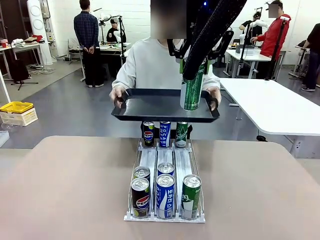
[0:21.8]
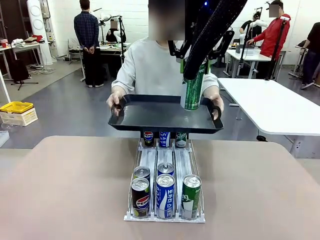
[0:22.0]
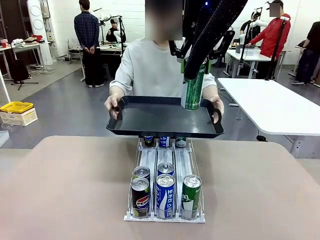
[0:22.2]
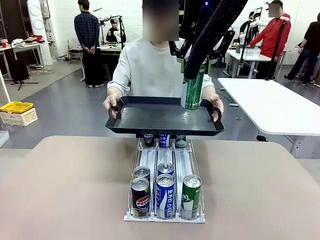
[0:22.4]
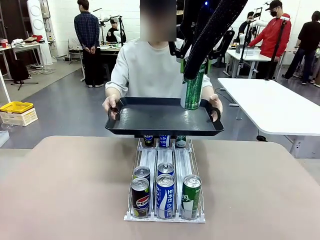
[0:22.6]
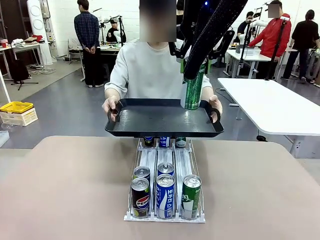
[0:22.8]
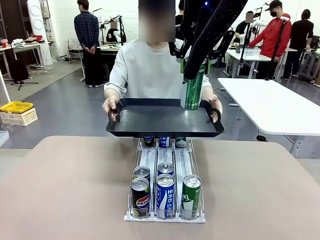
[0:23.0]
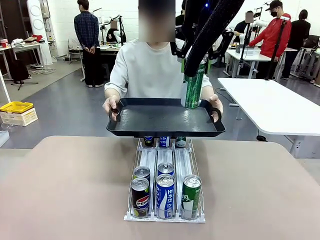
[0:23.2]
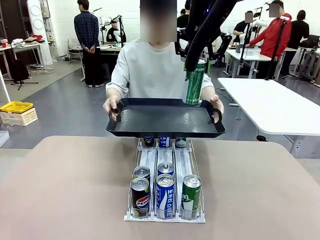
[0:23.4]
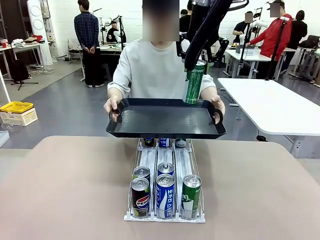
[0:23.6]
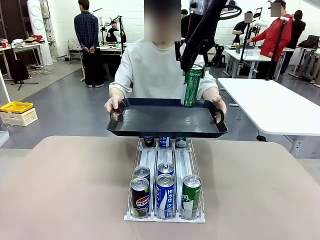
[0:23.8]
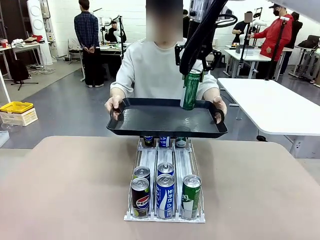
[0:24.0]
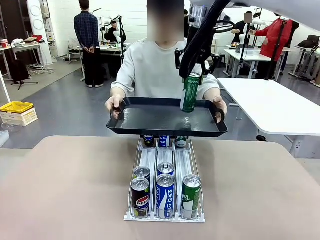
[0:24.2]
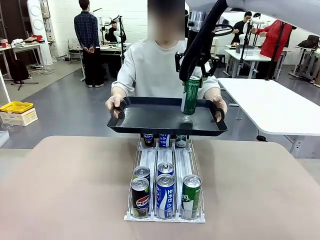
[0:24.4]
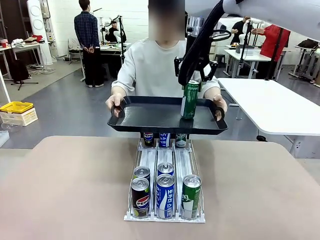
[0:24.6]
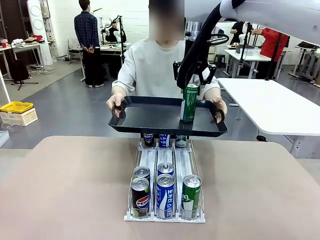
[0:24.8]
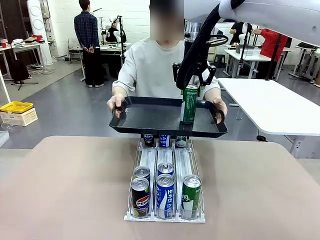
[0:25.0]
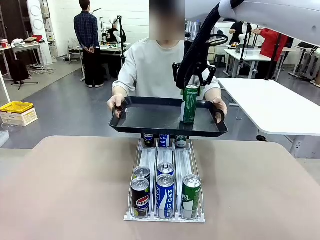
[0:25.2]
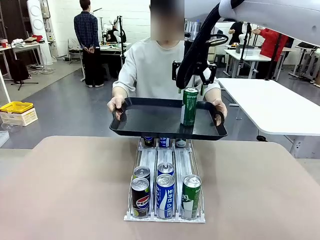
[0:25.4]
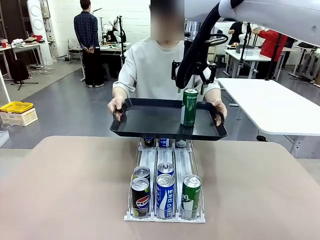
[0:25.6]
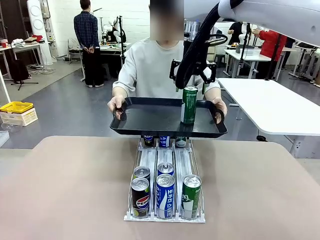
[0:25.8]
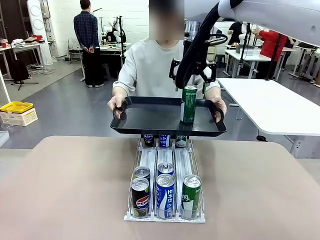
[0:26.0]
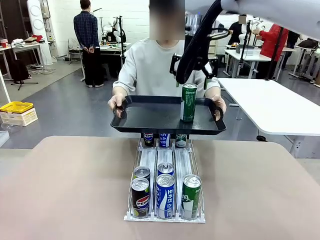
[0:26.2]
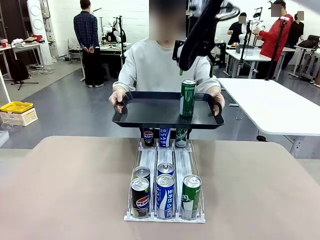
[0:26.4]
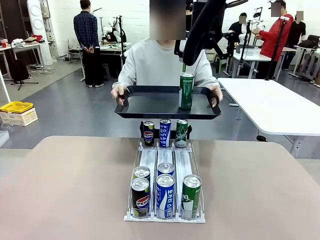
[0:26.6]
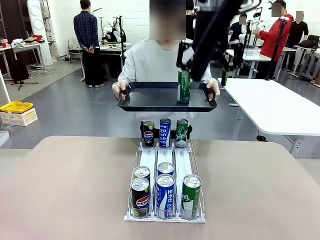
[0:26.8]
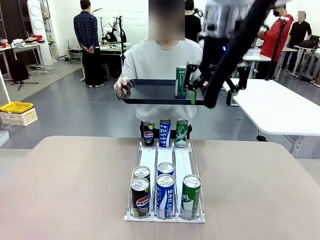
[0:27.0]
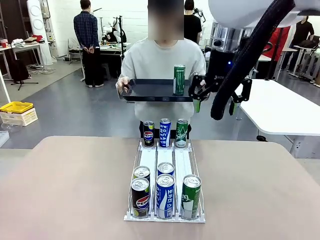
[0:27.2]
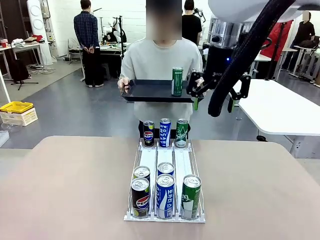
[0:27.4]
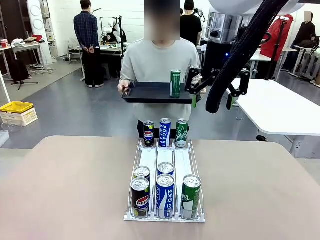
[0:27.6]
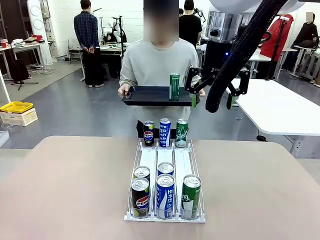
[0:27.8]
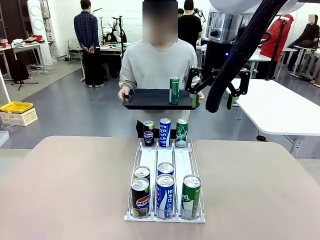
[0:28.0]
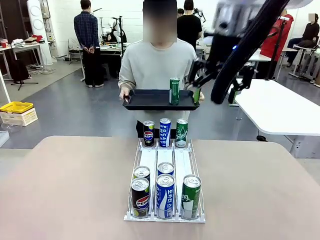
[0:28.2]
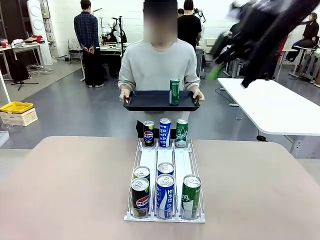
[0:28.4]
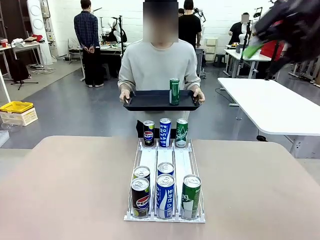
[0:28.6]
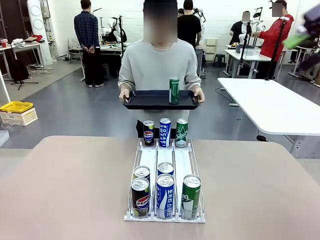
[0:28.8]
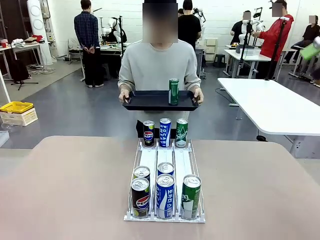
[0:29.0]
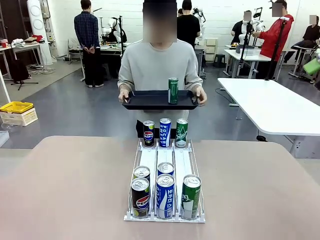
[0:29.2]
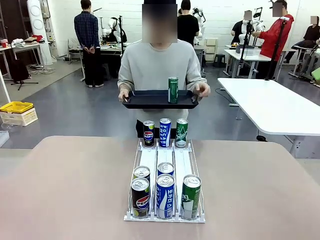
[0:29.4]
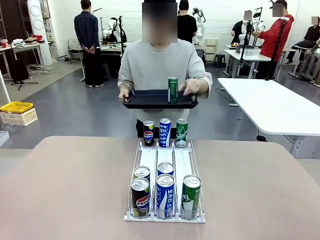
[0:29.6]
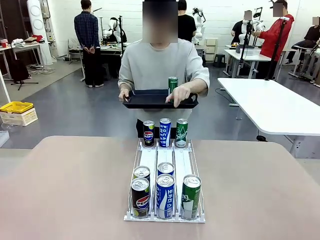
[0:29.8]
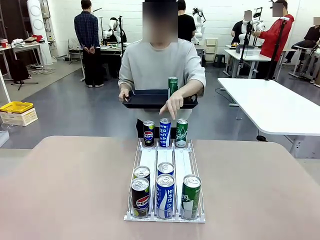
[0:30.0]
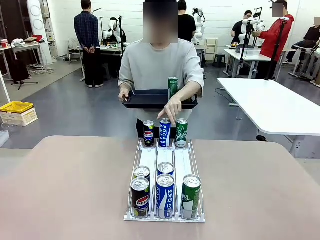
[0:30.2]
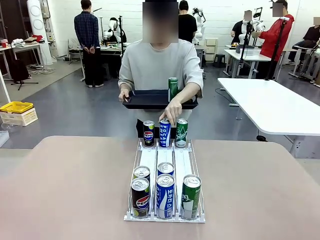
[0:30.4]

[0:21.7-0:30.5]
Task: Retrieve and hand over the desired beverage to the person.
Robot: Place the picked can on the Handle tray extended by the person.
Person: Pull the tray back, then pick up another can from the bottom area of the table and puts it back in its original place.

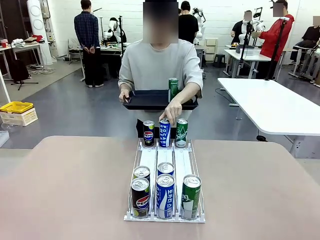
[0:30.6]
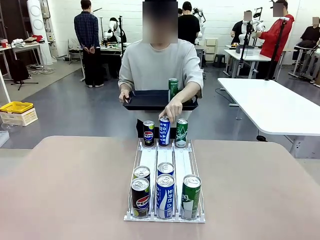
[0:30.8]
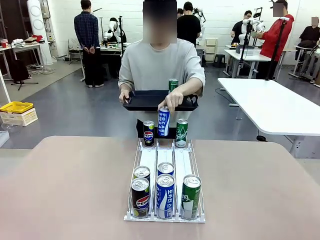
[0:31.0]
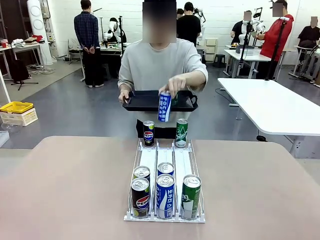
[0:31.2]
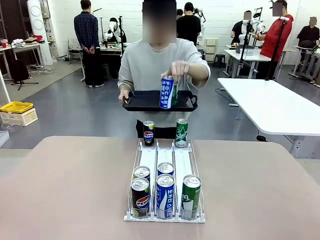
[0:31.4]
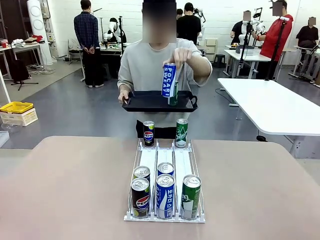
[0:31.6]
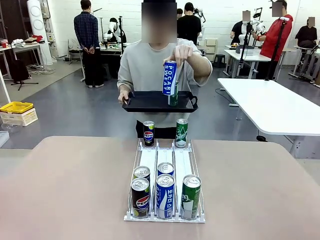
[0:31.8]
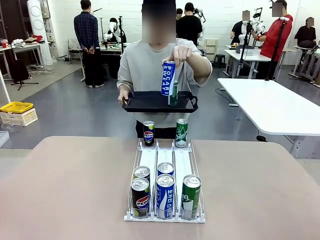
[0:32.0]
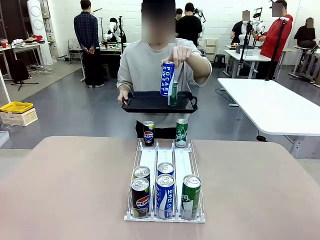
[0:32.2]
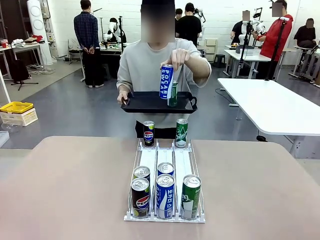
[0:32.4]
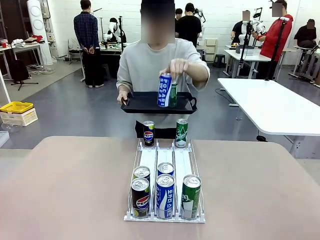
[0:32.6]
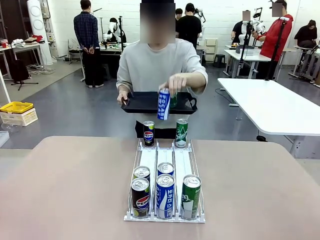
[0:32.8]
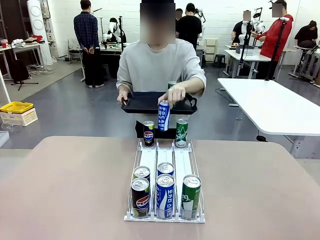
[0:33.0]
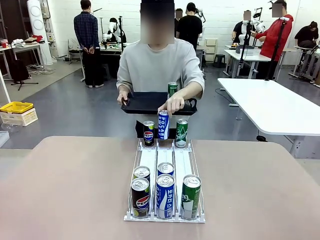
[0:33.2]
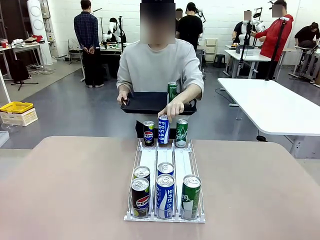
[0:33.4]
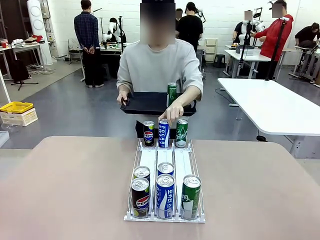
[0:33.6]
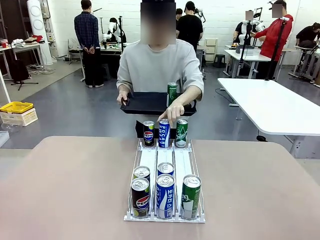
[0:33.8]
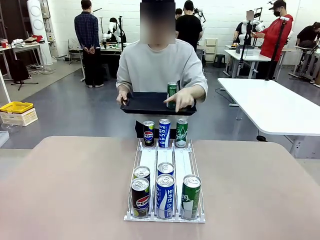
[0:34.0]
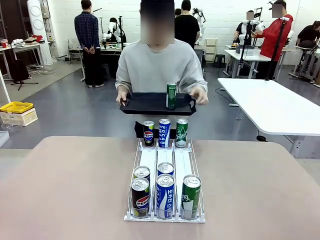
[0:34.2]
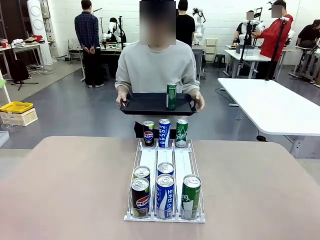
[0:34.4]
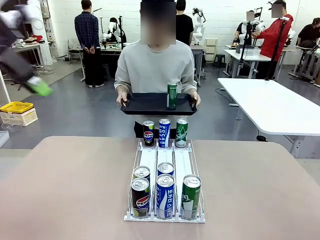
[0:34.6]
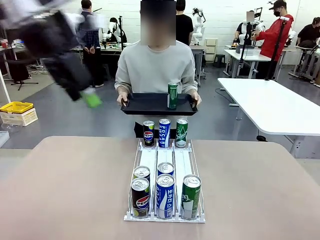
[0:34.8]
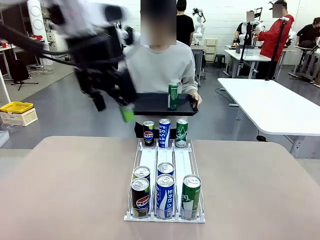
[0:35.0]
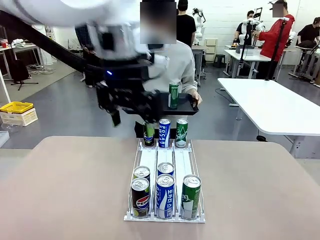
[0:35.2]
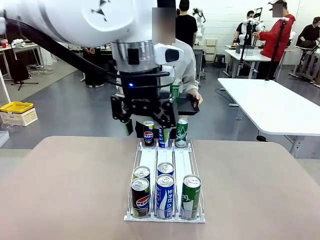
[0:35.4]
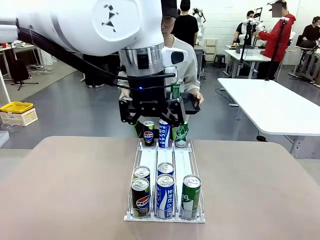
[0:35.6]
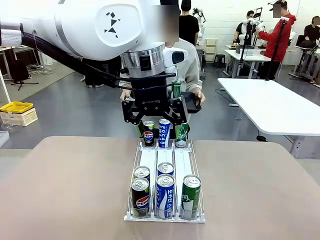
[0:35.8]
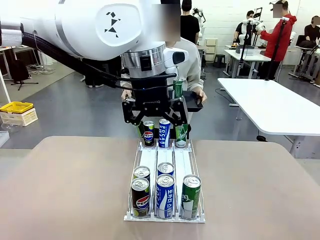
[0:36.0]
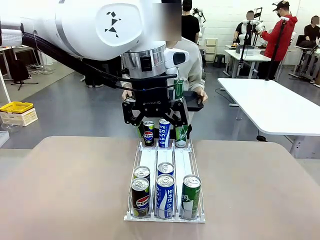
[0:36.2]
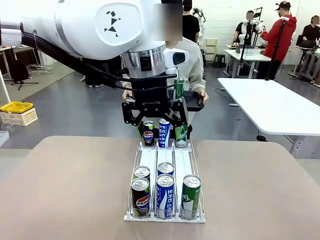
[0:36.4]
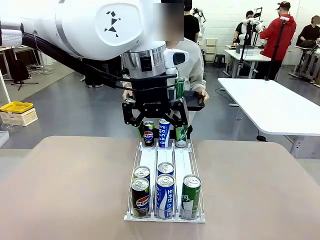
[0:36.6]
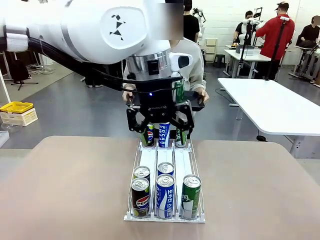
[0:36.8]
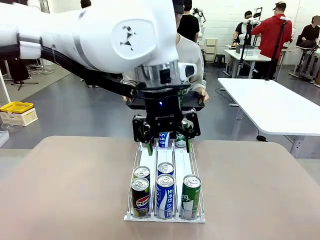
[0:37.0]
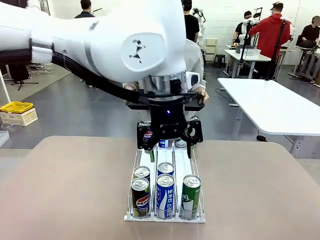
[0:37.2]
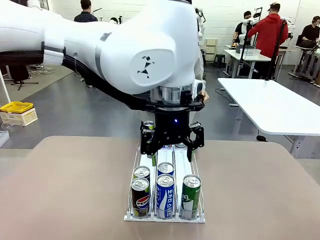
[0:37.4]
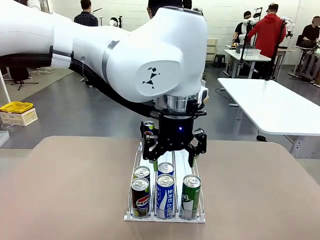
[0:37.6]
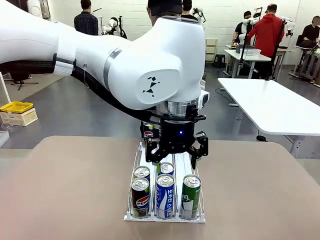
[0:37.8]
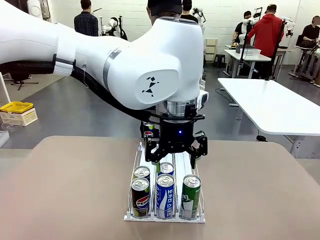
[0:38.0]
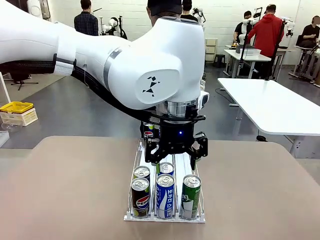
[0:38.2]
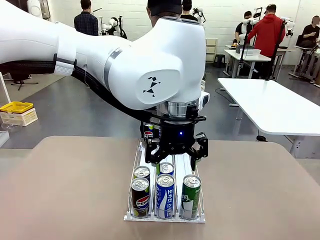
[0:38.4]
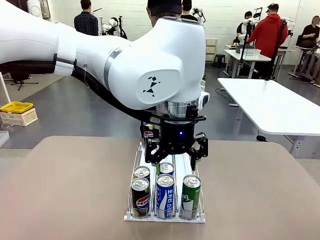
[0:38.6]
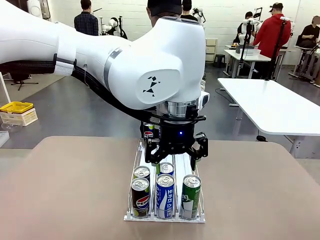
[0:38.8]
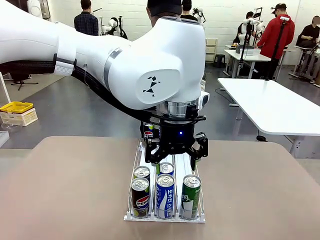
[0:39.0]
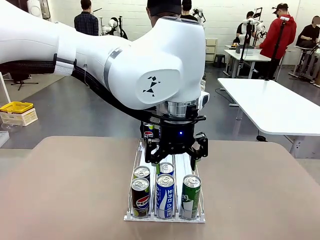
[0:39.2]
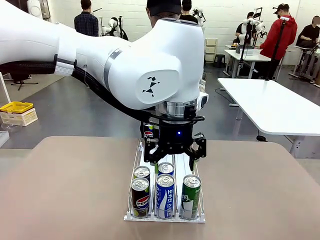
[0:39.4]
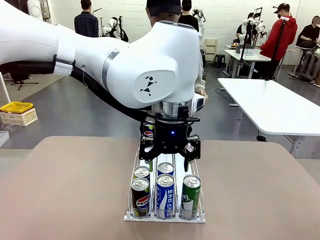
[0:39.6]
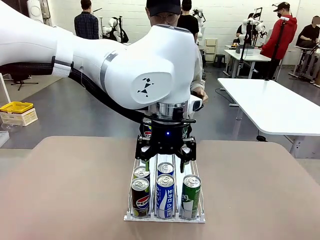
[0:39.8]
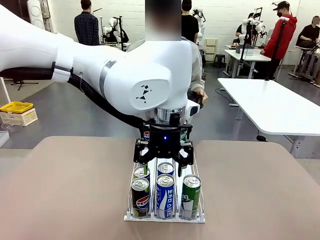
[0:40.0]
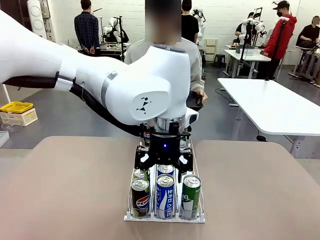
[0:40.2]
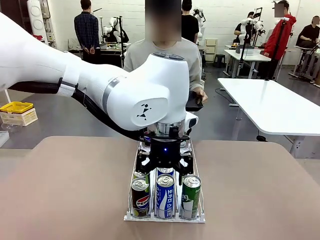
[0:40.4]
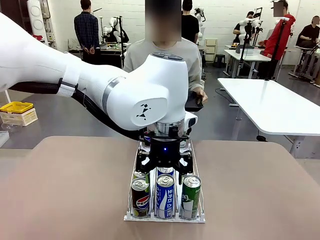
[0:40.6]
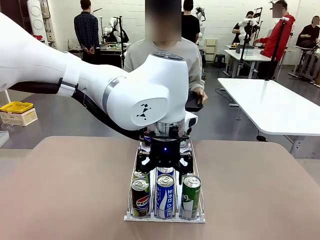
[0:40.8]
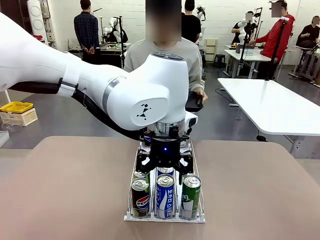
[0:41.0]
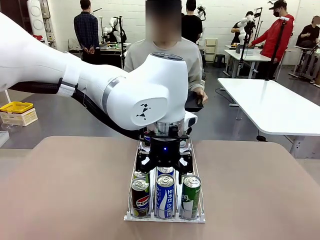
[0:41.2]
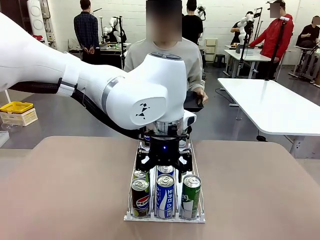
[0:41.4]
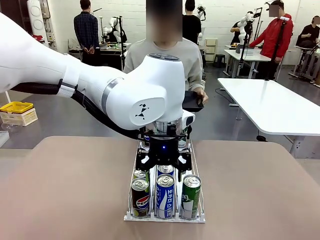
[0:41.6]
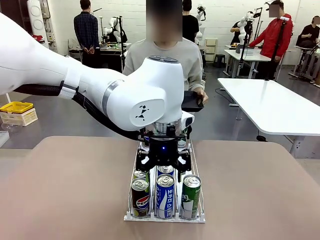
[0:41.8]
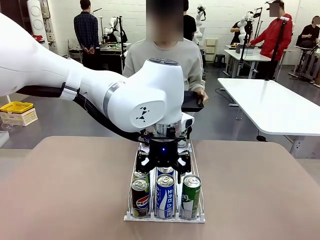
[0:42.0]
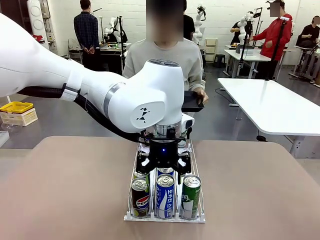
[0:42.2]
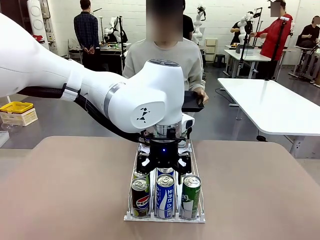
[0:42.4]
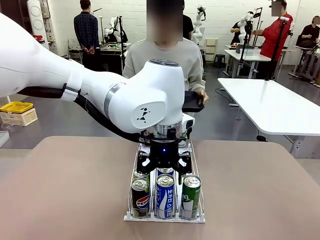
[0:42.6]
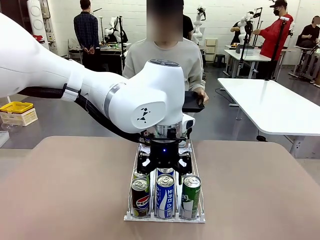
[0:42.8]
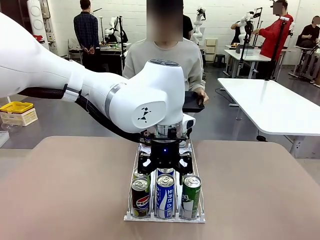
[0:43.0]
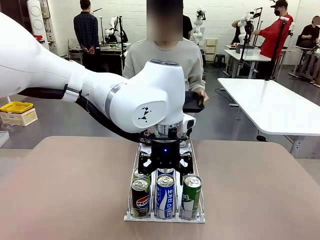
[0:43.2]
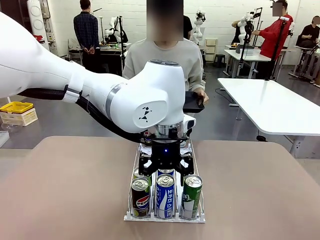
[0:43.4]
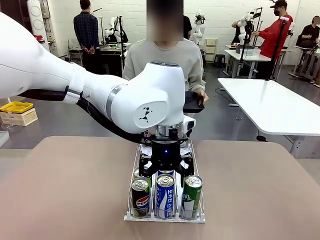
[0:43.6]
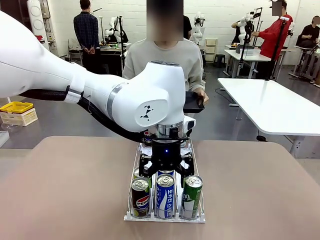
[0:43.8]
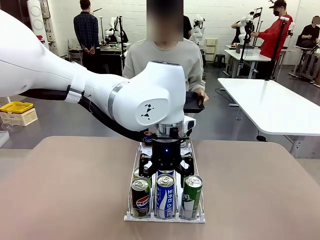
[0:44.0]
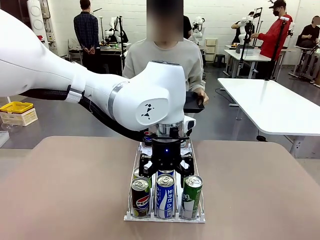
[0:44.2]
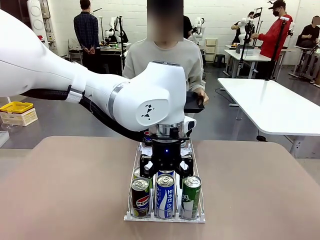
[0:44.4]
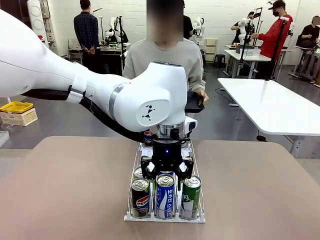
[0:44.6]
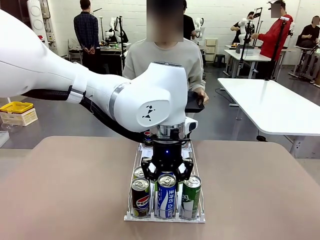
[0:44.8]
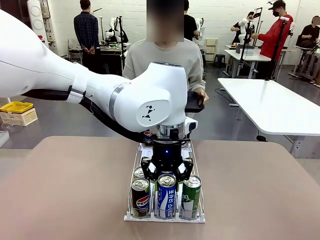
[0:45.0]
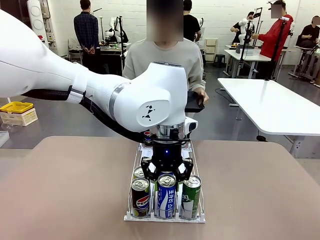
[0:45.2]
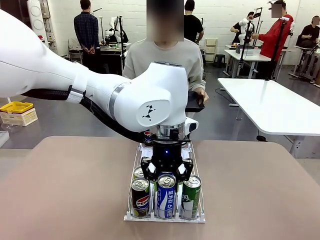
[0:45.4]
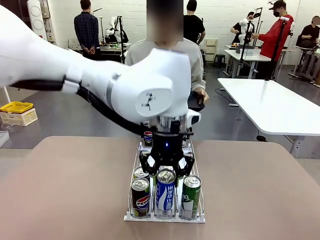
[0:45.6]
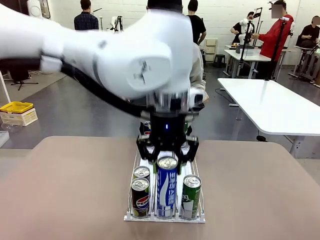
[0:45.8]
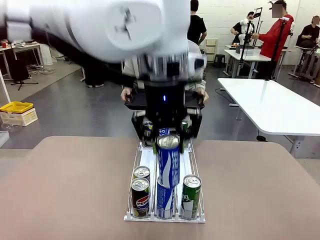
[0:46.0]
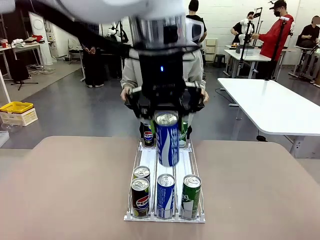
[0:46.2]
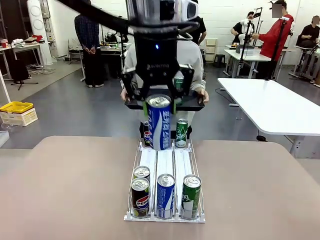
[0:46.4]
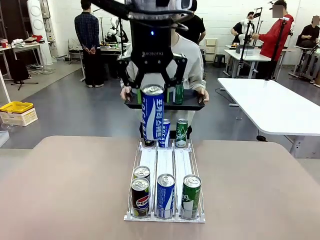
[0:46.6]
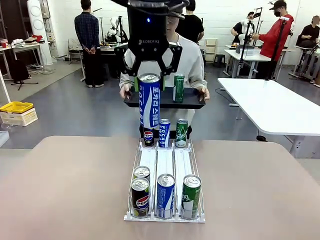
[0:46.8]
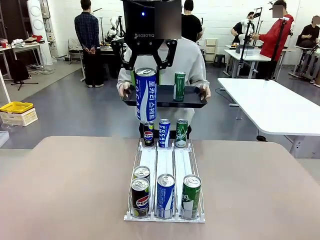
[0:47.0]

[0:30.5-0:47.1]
Robot: Pick up another can of the same type that the person held from the Automatic Can Dispenser.
Person: Push the tray toward the robot again.
